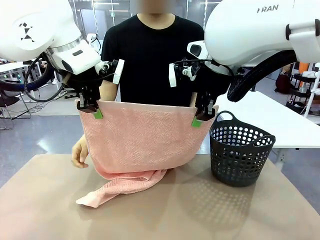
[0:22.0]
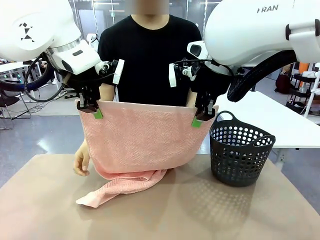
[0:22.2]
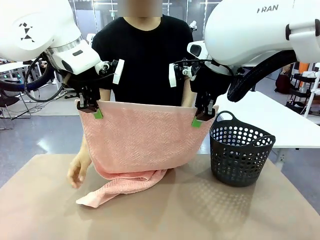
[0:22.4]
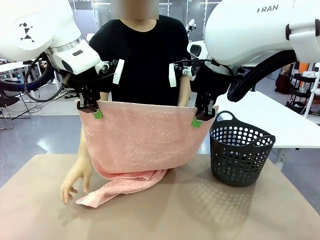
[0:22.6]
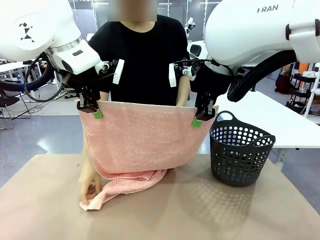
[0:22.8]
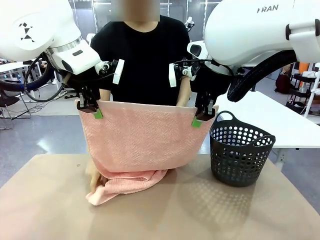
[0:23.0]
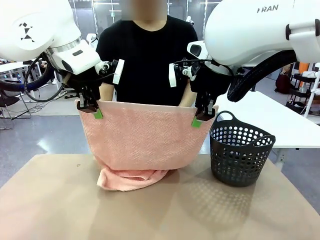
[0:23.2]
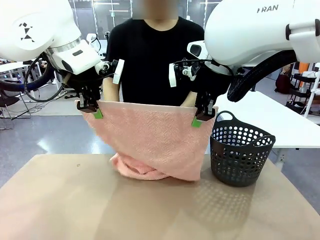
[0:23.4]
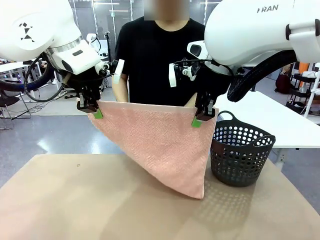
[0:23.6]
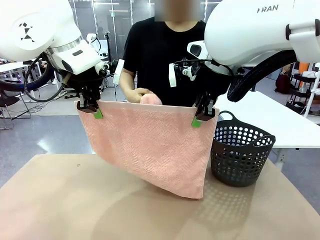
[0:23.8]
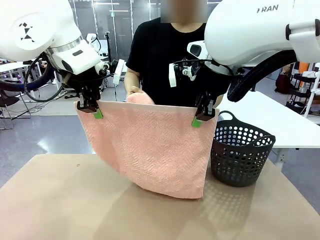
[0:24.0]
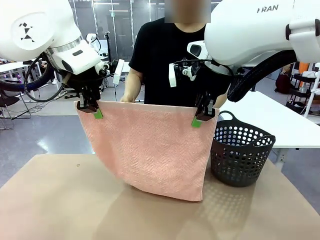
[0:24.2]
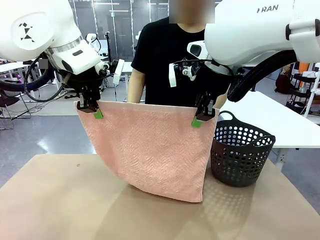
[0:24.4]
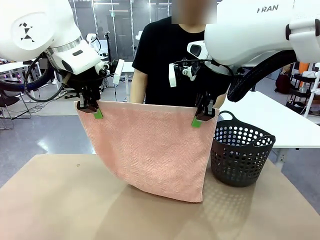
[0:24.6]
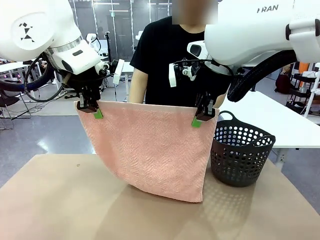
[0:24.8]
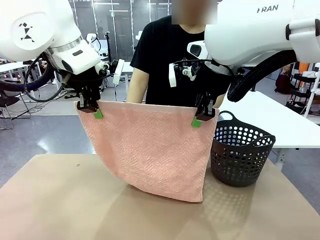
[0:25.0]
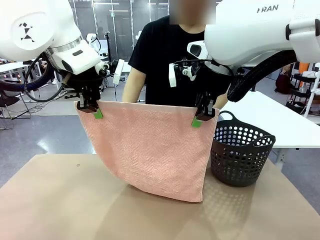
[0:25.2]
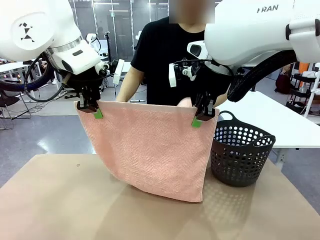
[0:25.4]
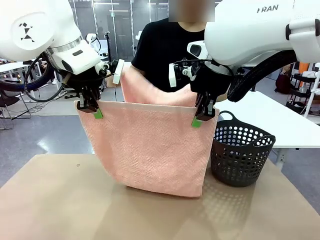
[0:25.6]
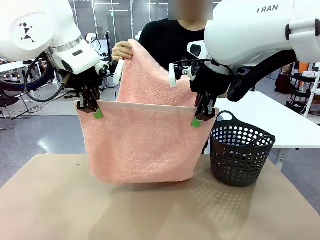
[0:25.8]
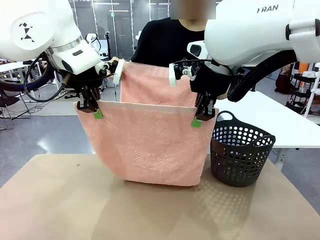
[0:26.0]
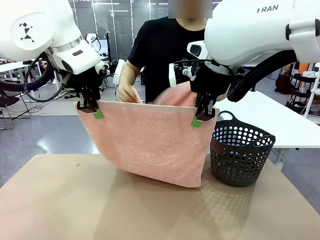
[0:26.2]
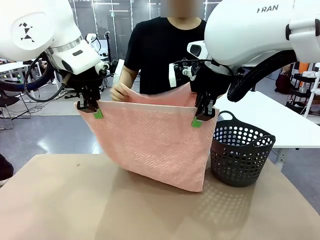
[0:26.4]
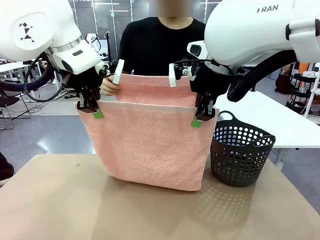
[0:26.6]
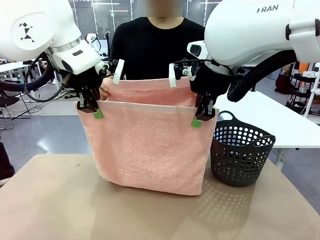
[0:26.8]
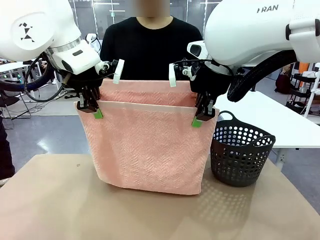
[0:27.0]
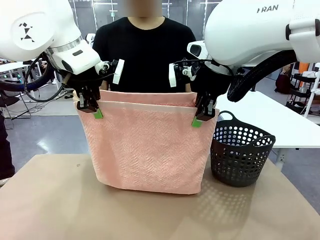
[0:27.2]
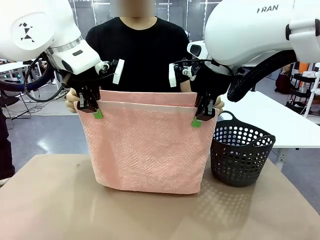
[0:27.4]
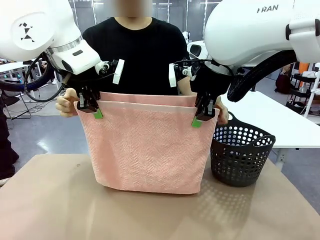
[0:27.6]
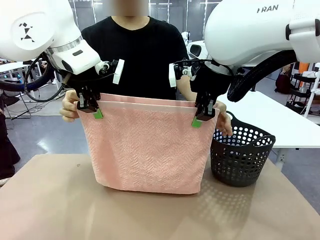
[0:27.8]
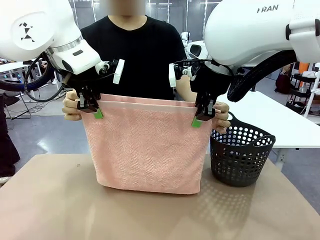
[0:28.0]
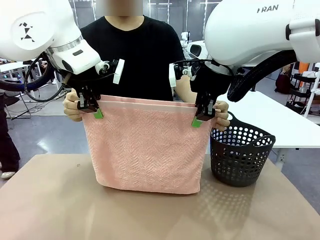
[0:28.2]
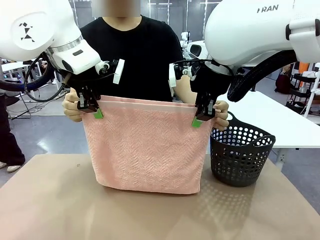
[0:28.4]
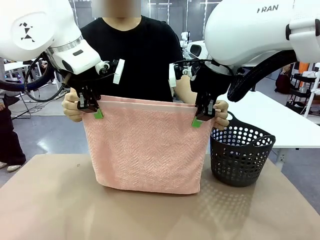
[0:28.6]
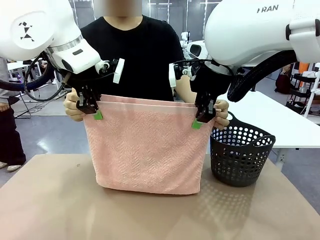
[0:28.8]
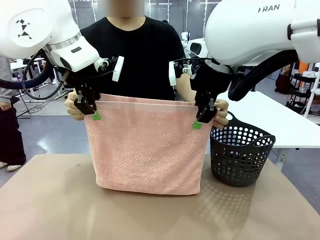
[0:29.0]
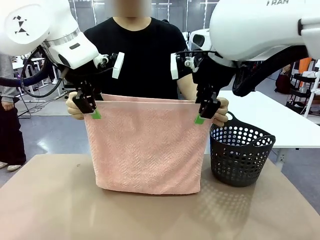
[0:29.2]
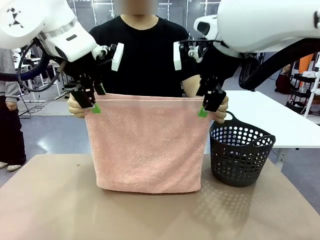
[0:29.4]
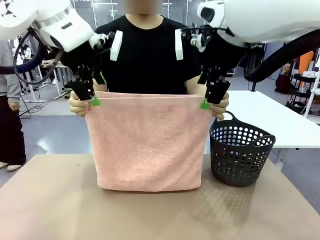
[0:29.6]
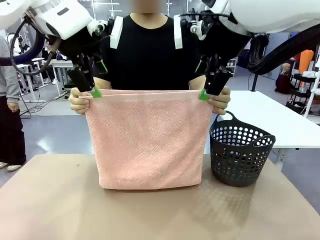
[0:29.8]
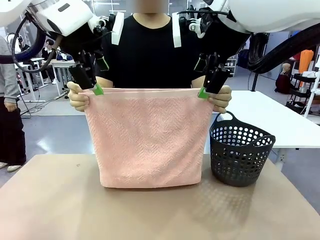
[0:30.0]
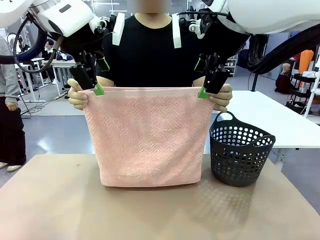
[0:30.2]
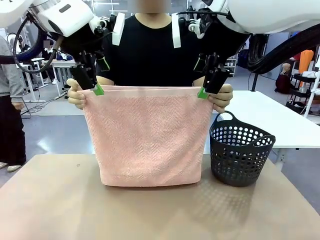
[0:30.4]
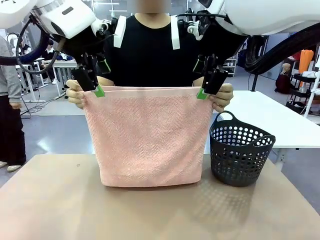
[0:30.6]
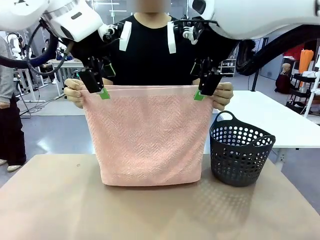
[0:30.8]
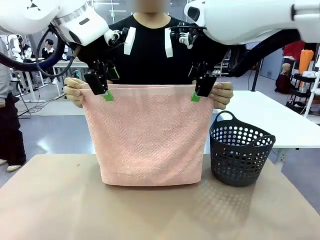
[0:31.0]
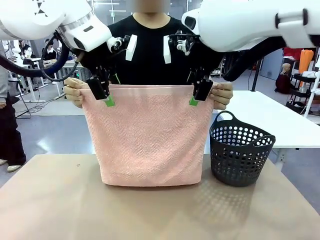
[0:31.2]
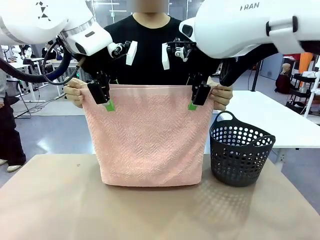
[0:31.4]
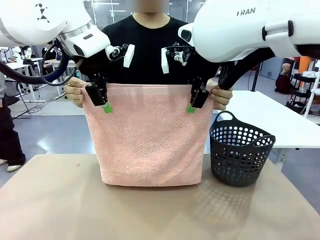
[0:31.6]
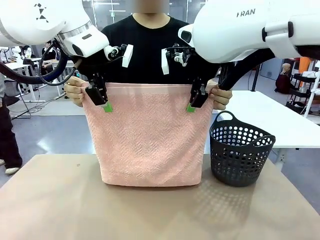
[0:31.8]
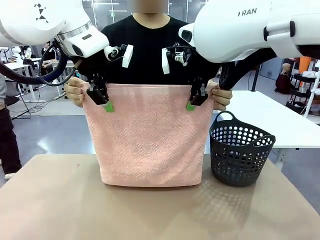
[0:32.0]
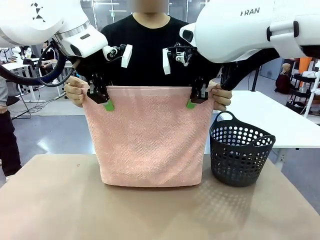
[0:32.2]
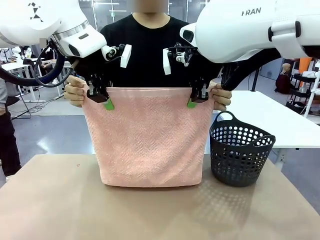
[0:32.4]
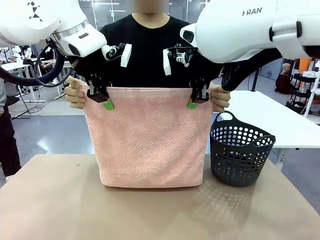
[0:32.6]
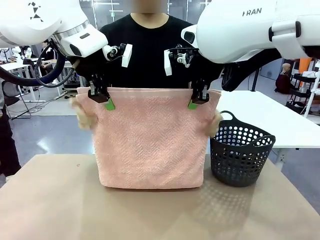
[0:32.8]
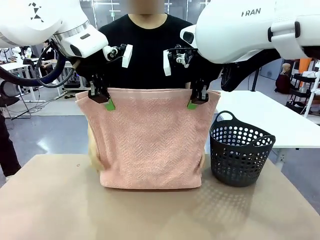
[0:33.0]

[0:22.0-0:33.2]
Task: Fold the towel.
Robot: Release the end of the 100 cm Hotel Towel you were holding and grab the top end of the folded side.

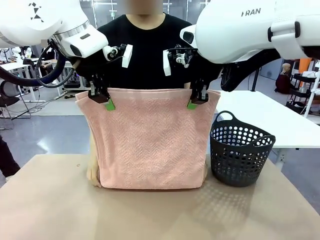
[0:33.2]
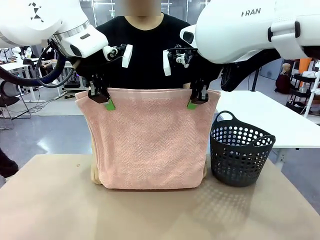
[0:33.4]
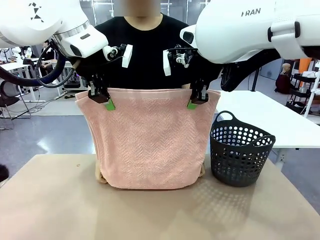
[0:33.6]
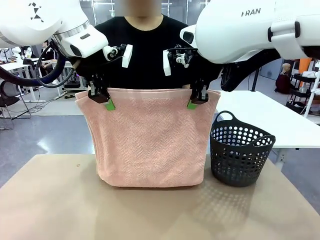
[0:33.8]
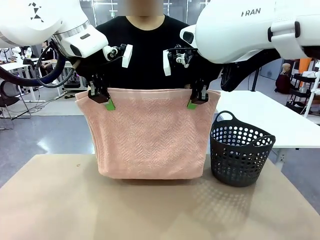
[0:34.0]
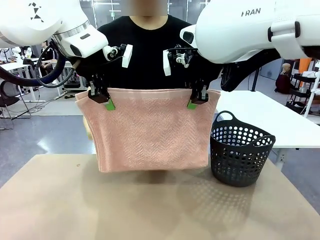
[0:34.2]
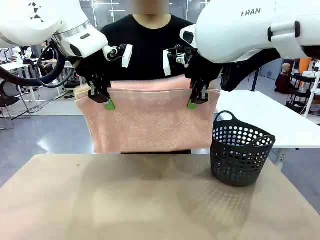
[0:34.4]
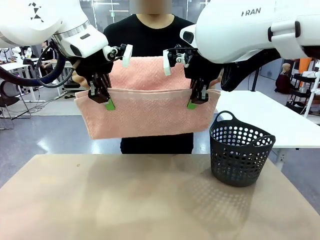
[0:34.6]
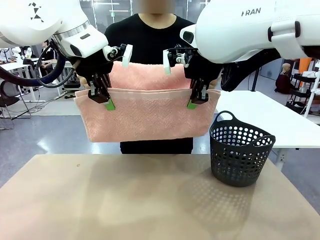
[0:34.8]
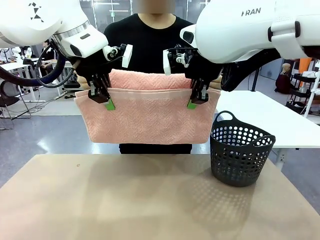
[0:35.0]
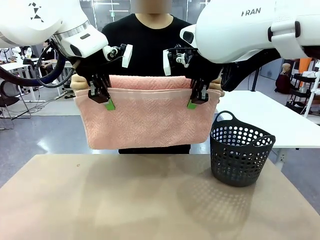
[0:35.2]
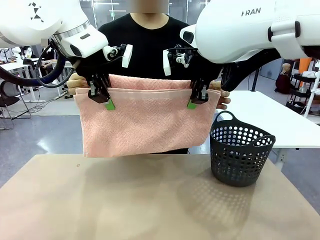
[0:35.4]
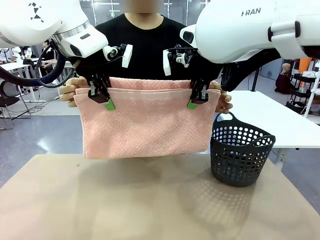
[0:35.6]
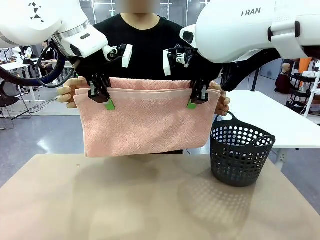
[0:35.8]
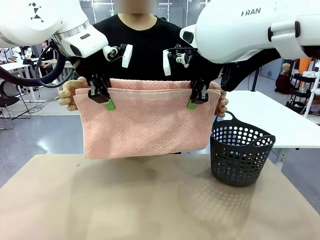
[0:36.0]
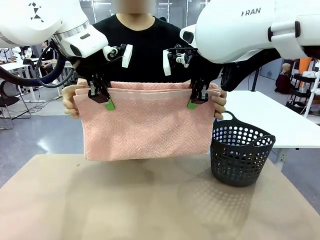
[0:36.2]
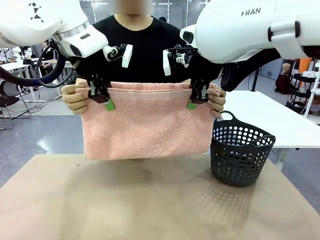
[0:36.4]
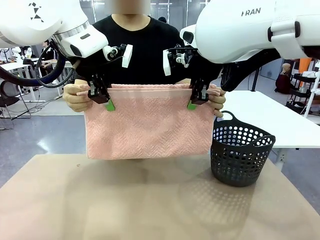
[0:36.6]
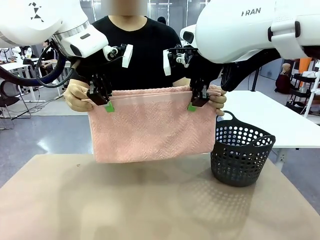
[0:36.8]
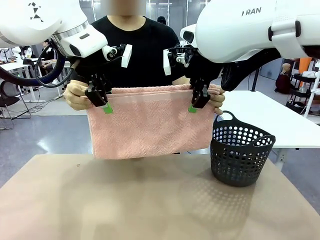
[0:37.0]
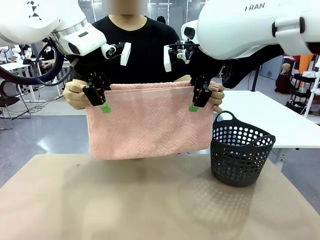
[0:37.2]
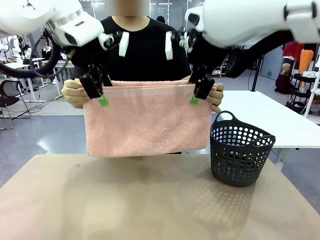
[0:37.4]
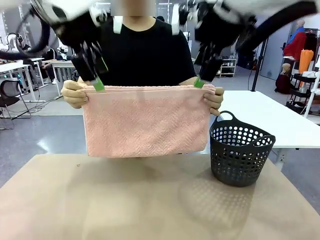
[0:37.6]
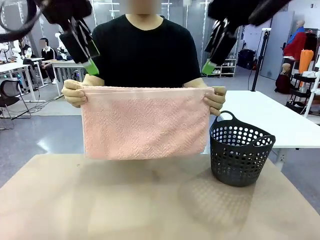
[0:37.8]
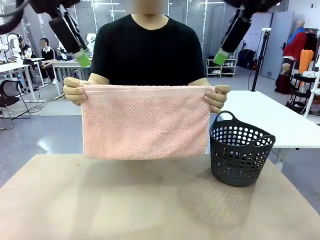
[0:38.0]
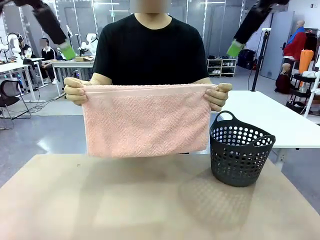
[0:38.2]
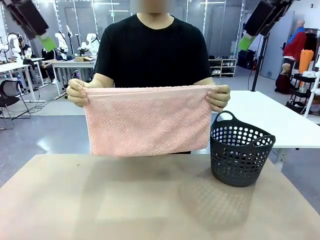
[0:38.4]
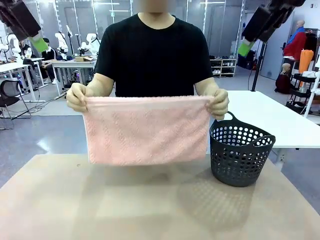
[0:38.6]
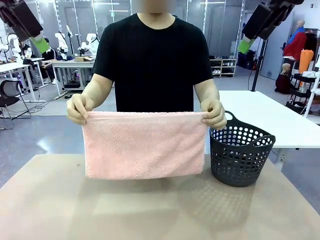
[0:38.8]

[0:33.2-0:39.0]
Robot: Release the end of the 100 cm Hotel Towel you were holding.
